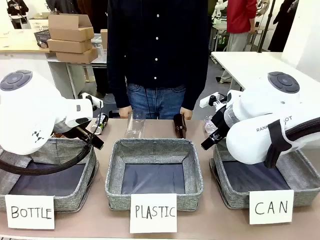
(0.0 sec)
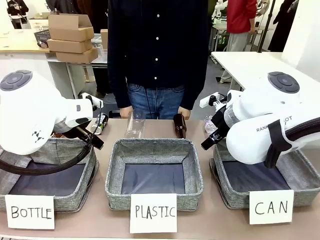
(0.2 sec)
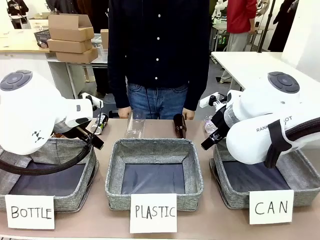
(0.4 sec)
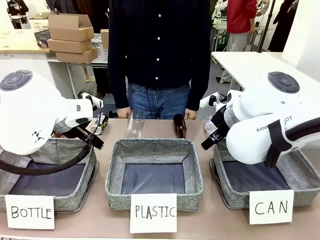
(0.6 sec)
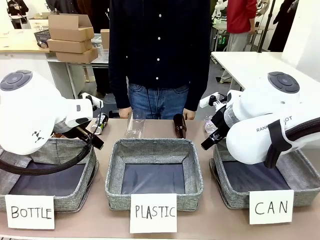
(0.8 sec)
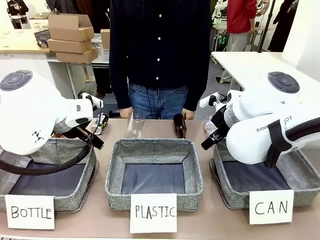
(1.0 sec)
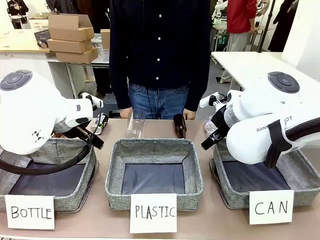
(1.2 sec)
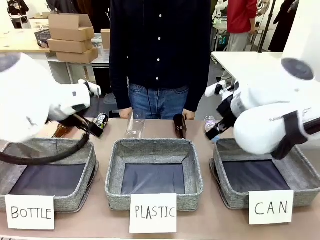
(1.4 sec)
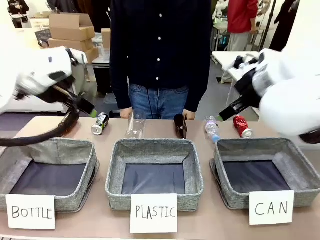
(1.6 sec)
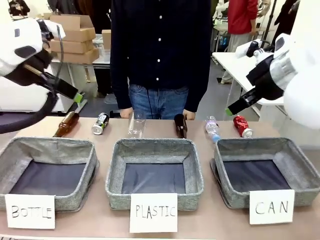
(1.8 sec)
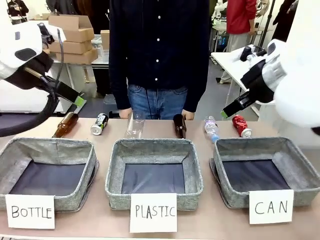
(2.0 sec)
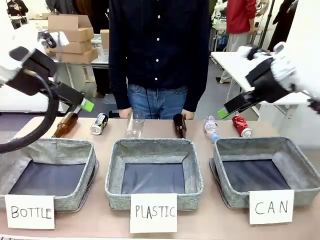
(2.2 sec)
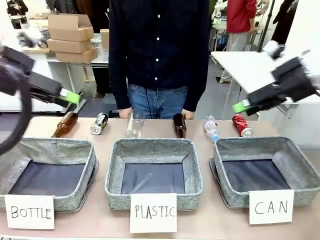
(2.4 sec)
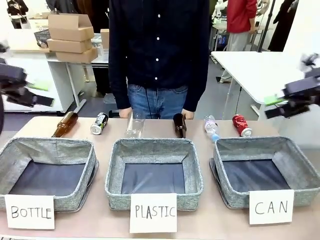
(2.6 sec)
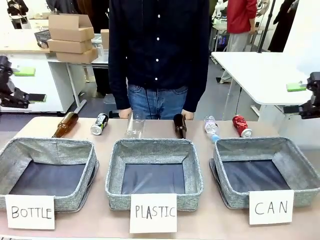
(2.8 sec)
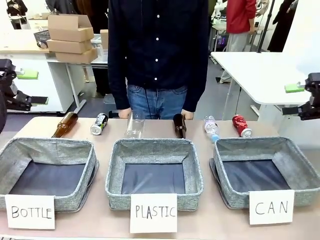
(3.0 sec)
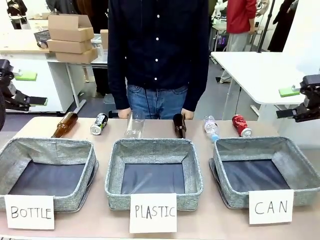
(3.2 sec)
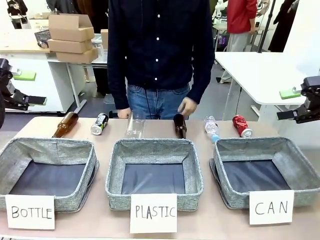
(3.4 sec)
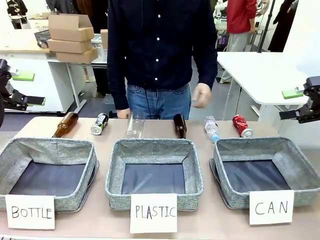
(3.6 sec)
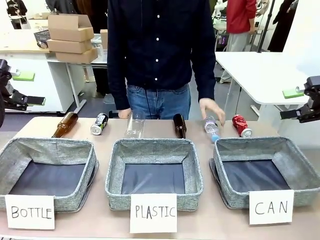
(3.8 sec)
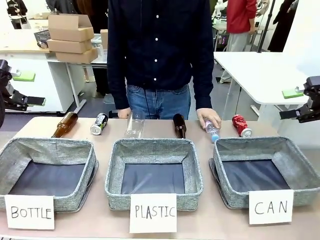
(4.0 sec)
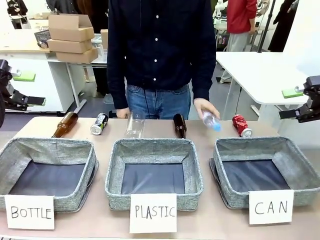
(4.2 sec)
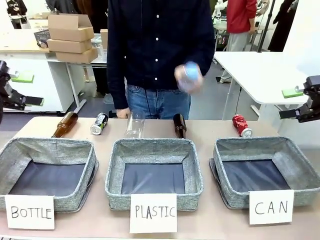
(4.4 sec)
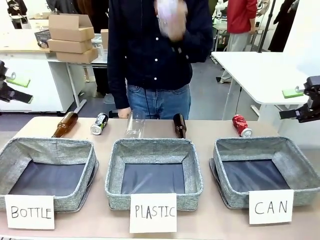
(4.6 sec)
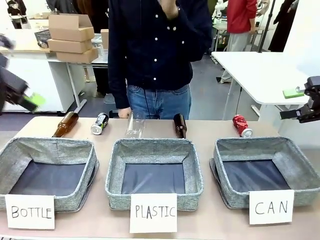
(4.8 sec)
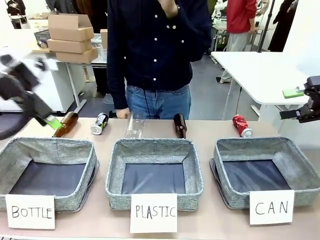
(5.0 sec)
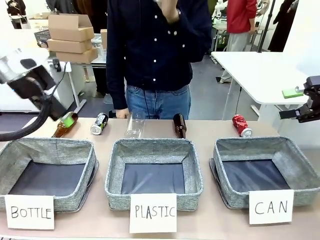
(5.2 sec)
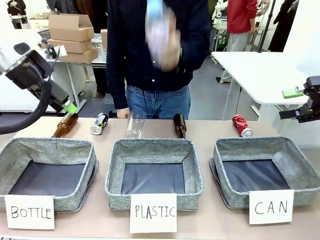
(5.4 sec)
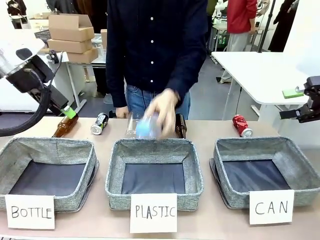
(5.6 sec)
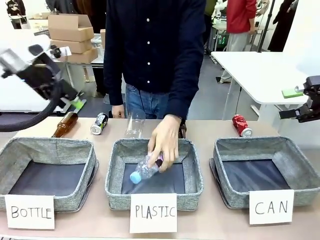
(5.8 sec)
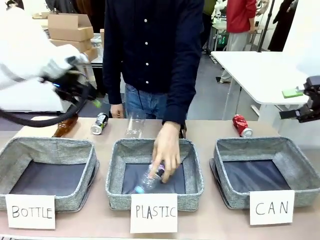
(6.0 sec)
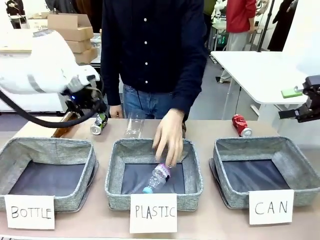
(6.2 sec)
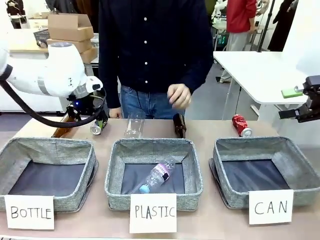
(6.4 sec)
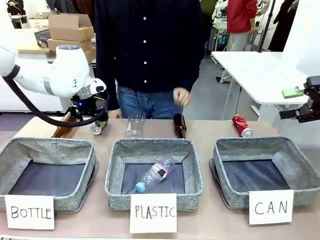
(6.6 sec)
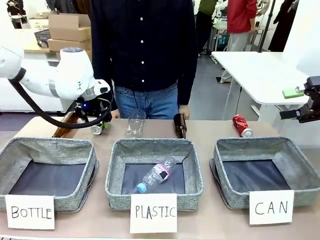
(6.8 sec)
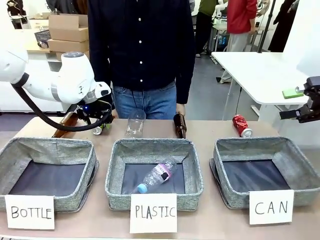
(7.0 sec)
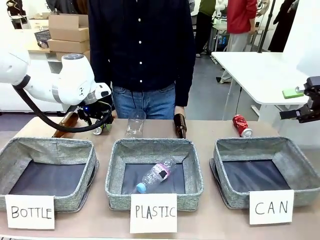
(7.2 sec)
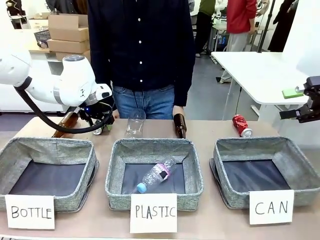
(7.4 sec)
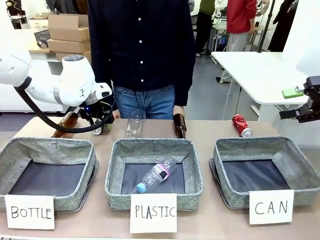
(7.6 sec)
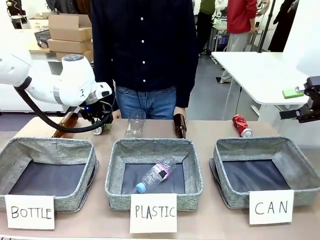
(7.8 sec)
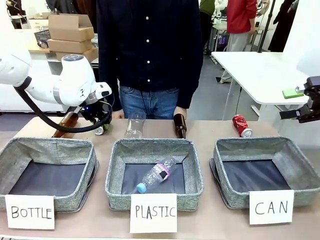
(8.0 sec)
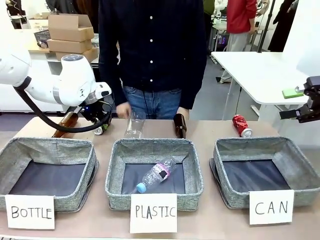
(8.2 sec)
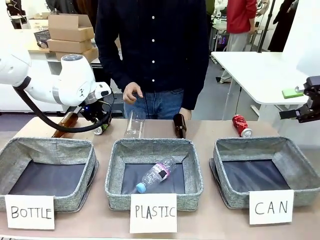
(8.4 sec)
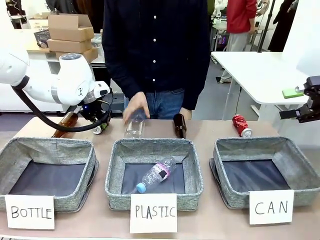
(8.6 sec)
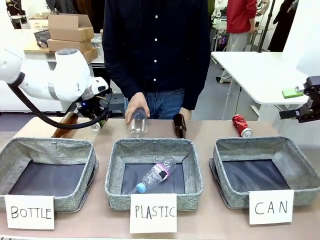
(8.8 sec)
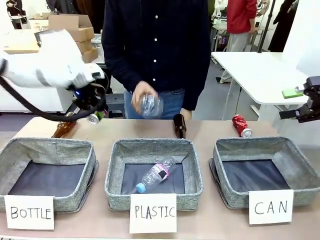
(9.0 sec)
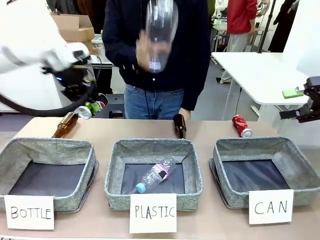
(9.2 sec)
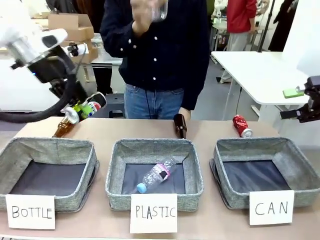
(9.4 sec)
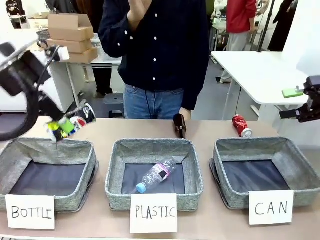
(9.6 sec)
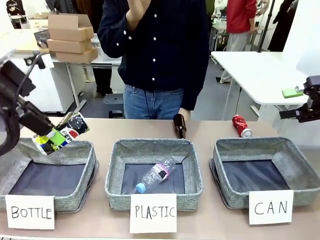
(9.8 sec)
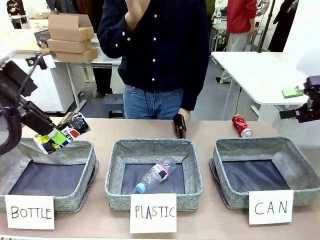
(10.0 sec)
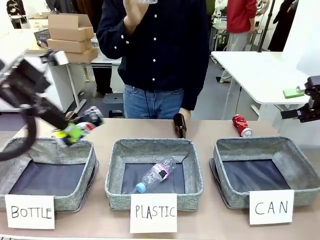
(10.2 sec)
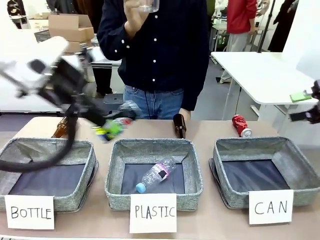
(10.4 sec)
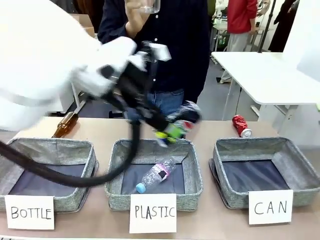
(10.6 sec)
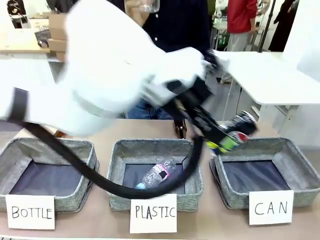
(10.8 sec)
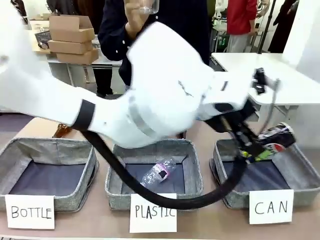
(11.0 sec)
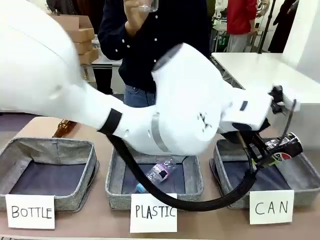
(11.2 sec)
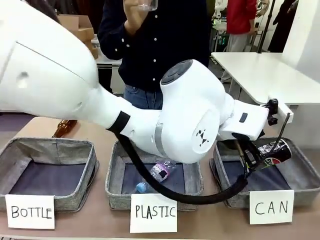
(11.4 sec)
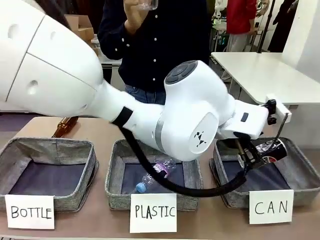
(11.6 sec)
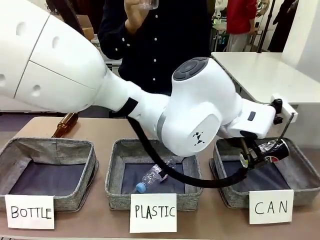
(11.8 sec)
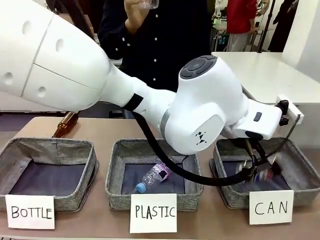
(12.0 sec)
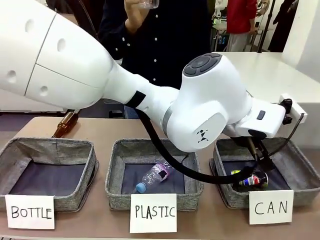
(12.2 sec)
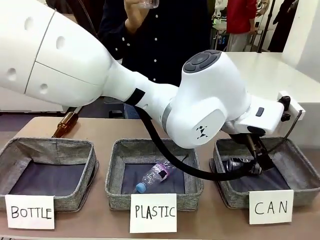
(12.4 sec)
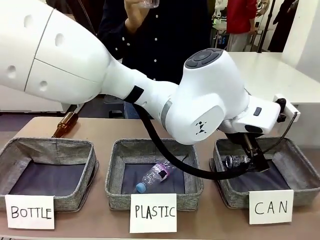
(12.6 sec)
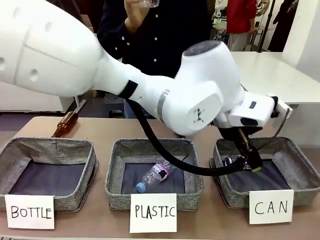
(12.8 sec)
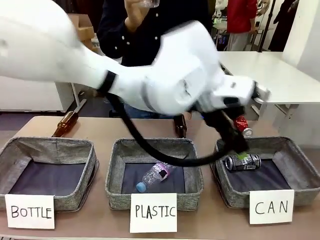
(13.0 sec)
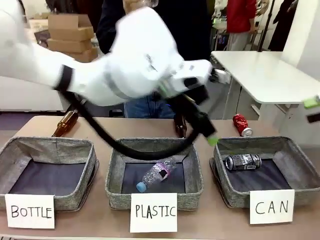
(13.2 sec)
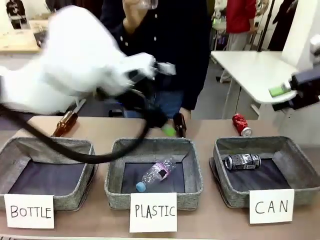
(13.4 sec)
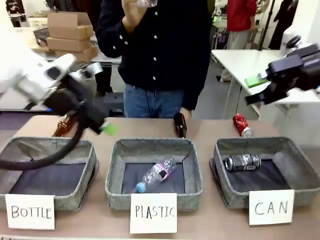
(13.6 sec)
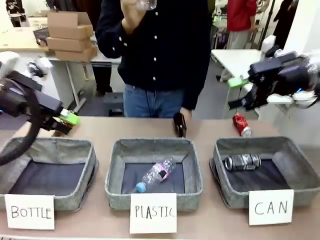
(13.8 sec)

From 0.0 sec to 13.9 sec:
Task: Sort the can waste into the basket.
Robot: Pick up the can waste from the table and place it in the right Fabric basket.
